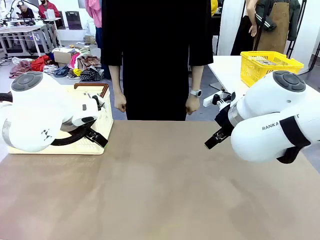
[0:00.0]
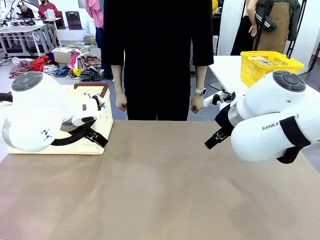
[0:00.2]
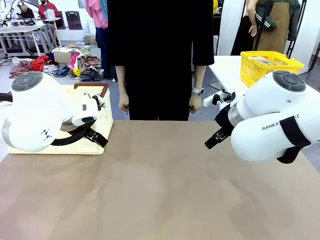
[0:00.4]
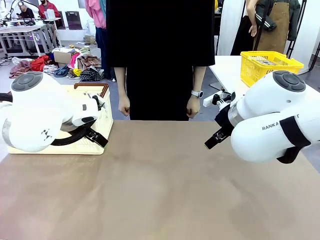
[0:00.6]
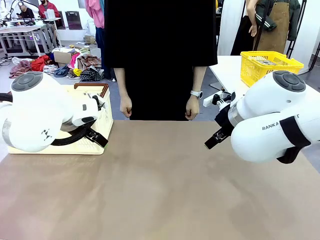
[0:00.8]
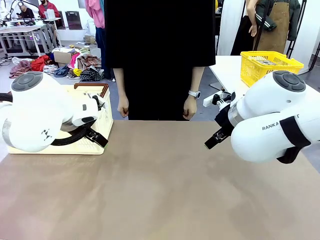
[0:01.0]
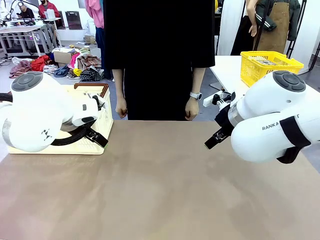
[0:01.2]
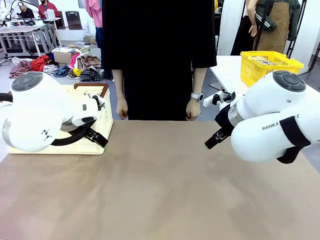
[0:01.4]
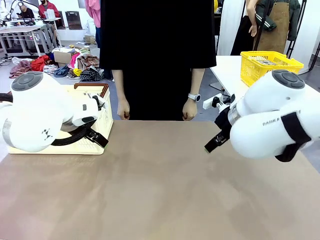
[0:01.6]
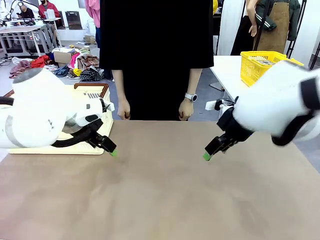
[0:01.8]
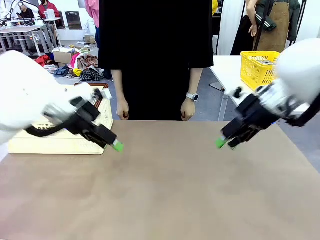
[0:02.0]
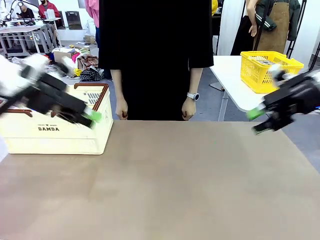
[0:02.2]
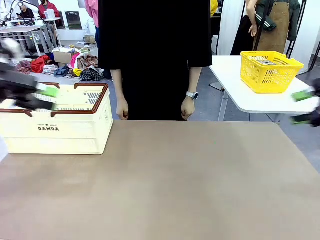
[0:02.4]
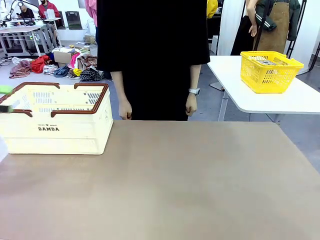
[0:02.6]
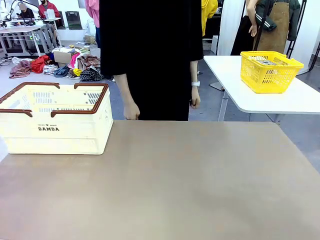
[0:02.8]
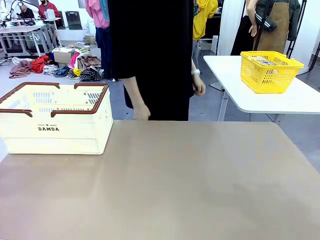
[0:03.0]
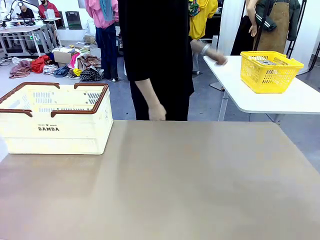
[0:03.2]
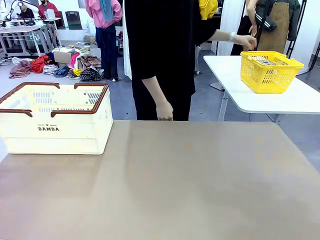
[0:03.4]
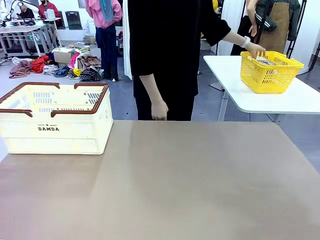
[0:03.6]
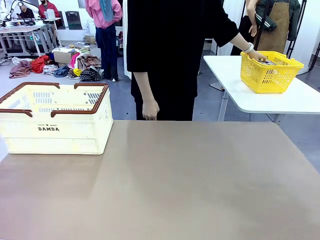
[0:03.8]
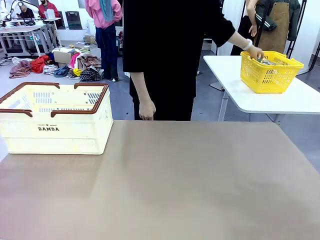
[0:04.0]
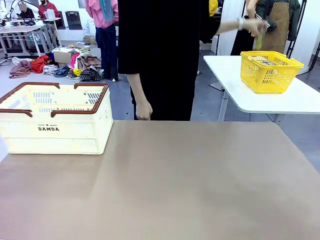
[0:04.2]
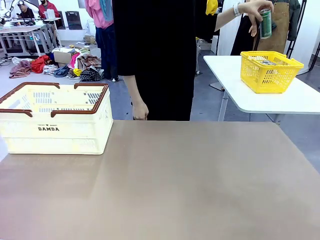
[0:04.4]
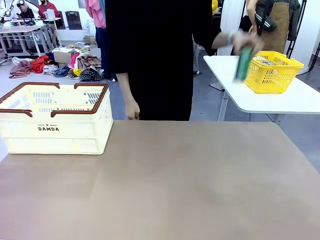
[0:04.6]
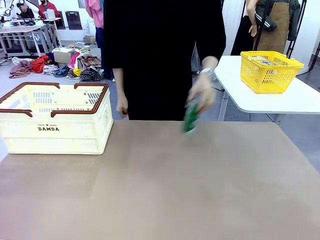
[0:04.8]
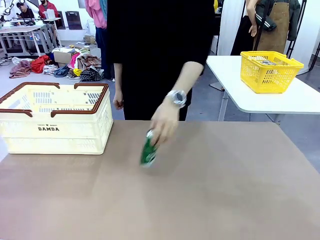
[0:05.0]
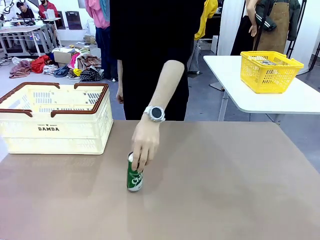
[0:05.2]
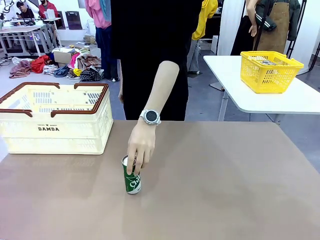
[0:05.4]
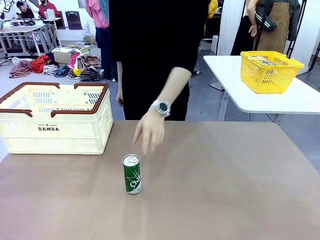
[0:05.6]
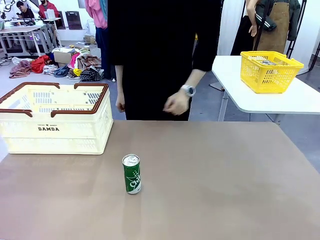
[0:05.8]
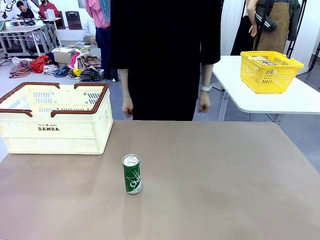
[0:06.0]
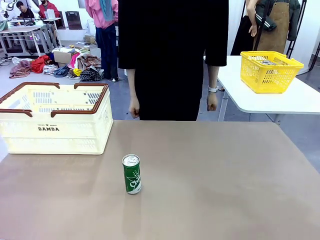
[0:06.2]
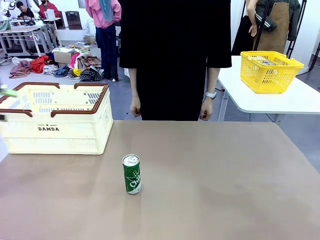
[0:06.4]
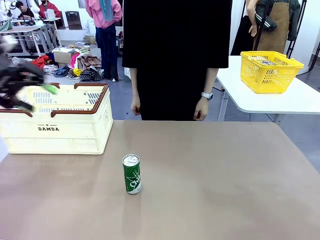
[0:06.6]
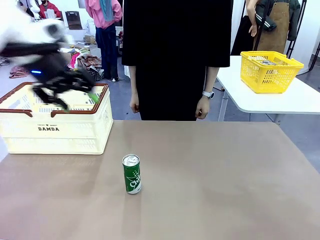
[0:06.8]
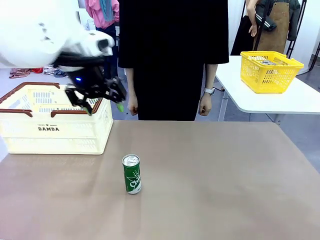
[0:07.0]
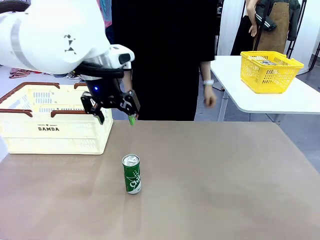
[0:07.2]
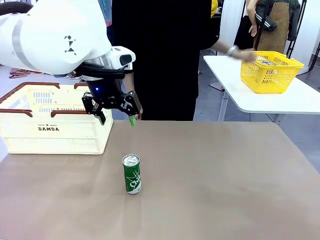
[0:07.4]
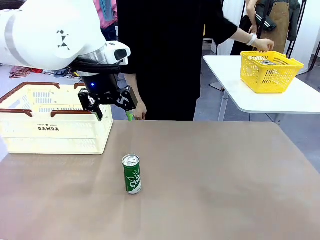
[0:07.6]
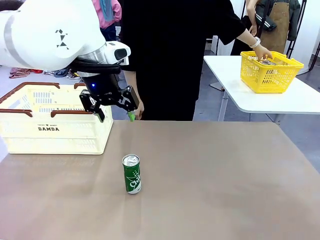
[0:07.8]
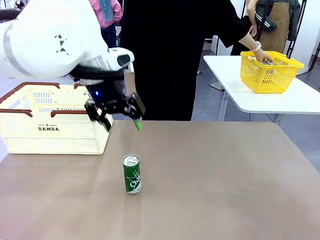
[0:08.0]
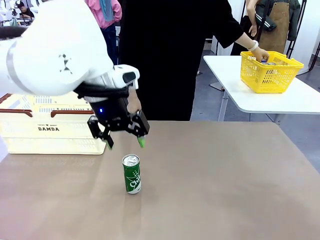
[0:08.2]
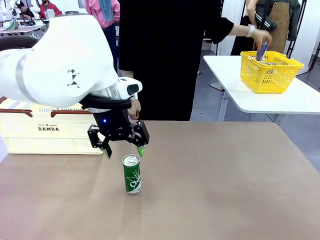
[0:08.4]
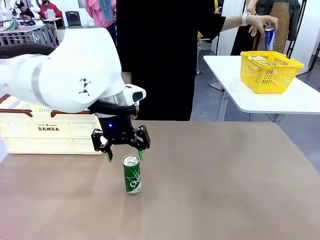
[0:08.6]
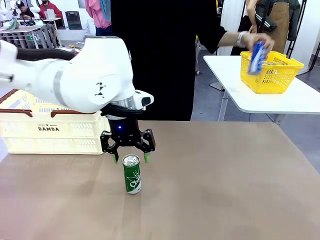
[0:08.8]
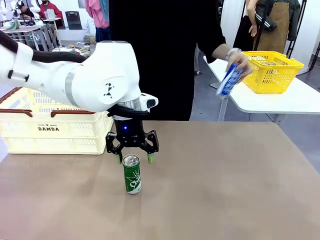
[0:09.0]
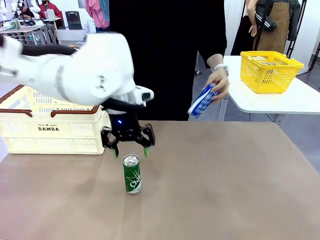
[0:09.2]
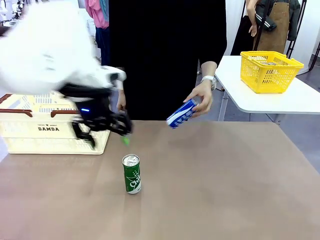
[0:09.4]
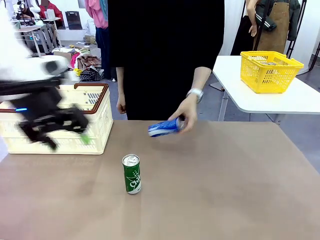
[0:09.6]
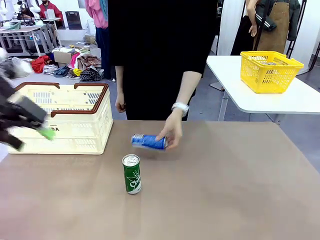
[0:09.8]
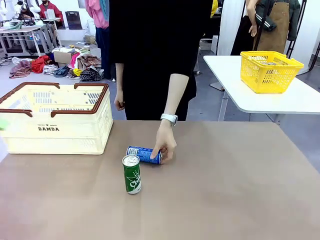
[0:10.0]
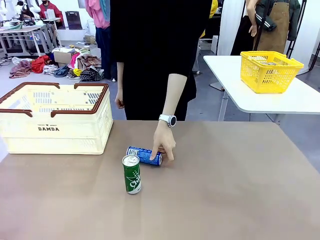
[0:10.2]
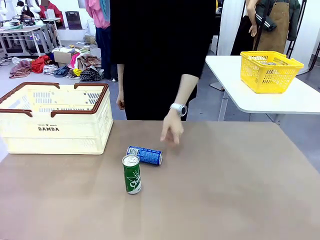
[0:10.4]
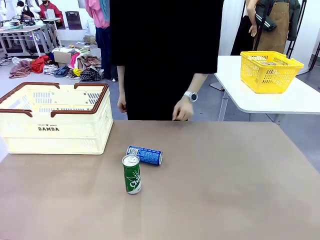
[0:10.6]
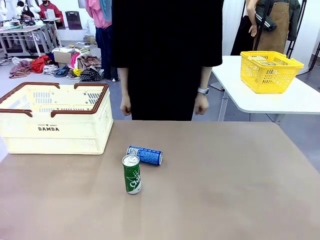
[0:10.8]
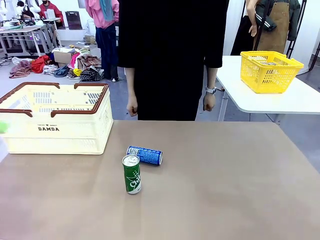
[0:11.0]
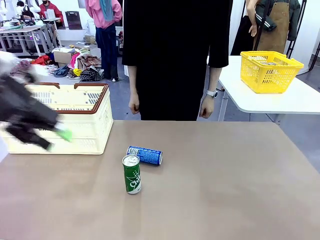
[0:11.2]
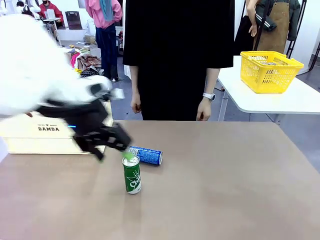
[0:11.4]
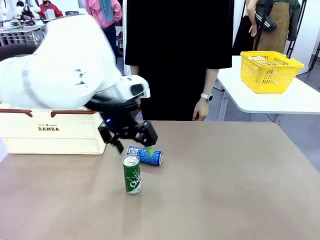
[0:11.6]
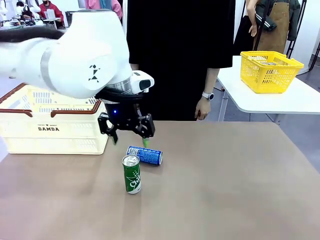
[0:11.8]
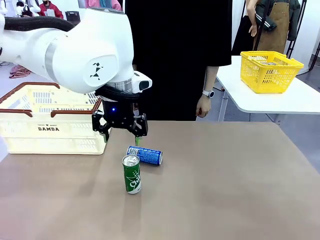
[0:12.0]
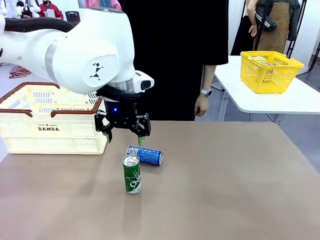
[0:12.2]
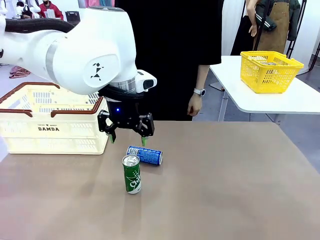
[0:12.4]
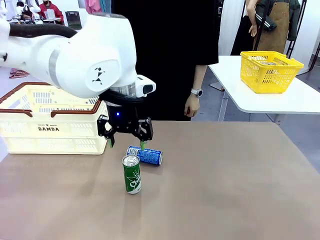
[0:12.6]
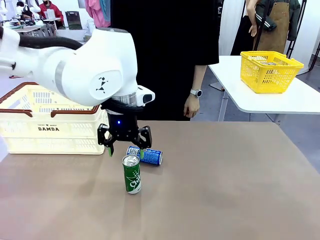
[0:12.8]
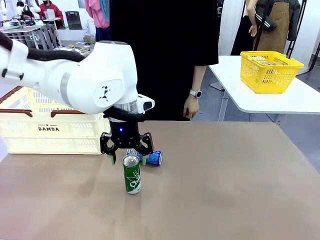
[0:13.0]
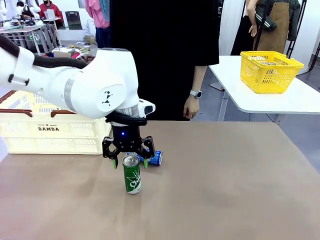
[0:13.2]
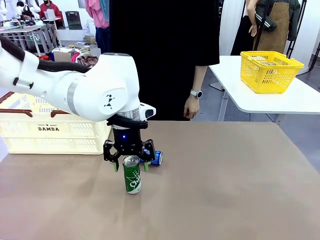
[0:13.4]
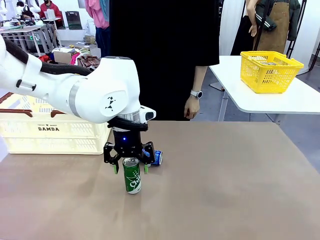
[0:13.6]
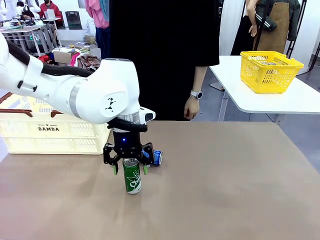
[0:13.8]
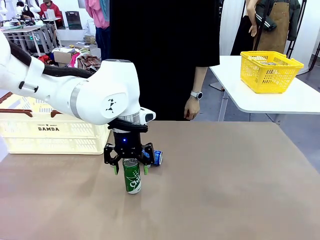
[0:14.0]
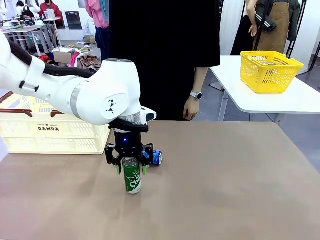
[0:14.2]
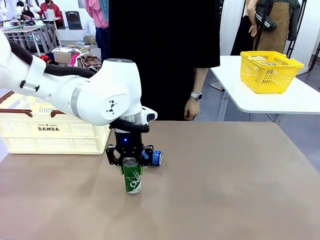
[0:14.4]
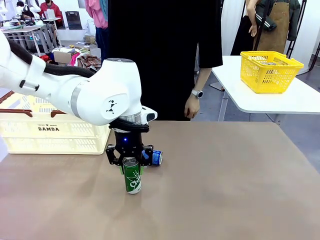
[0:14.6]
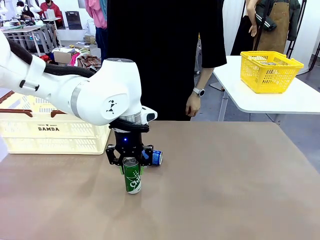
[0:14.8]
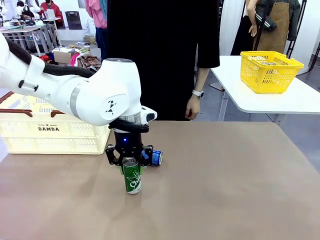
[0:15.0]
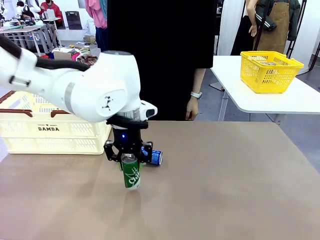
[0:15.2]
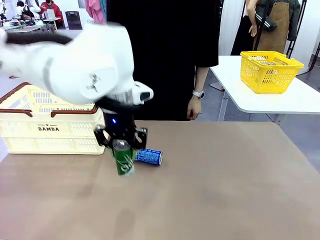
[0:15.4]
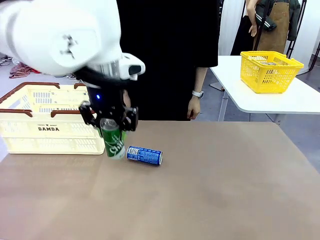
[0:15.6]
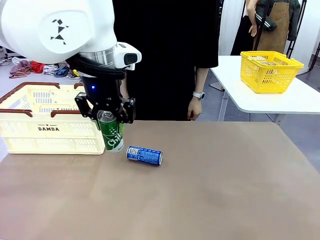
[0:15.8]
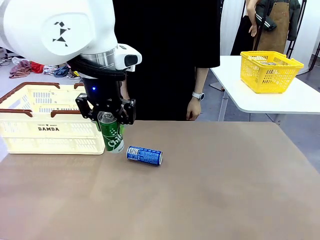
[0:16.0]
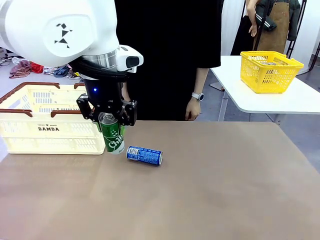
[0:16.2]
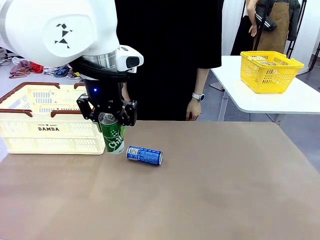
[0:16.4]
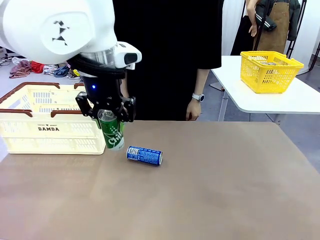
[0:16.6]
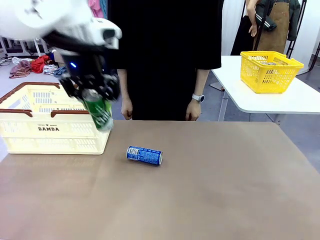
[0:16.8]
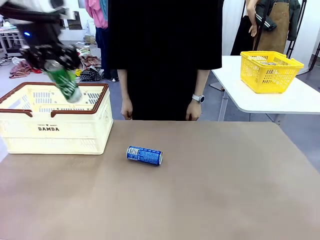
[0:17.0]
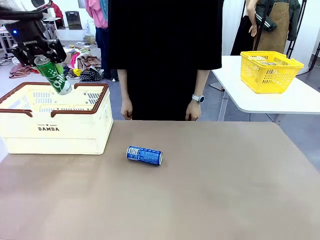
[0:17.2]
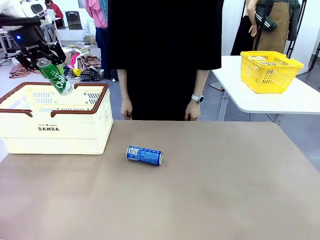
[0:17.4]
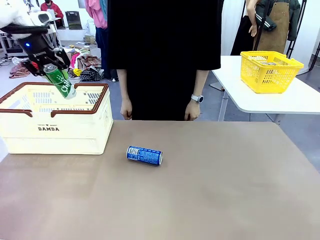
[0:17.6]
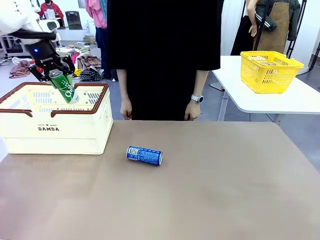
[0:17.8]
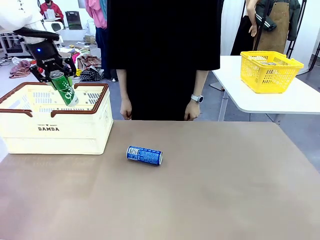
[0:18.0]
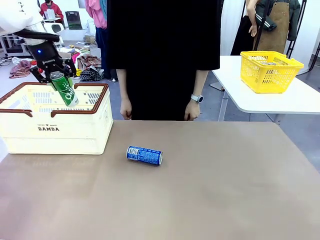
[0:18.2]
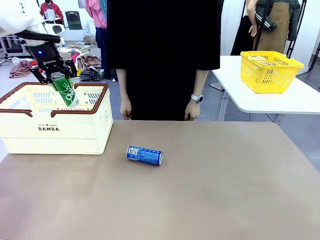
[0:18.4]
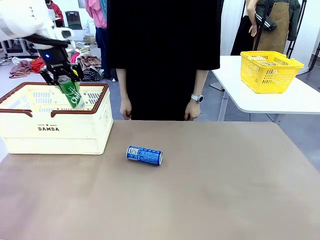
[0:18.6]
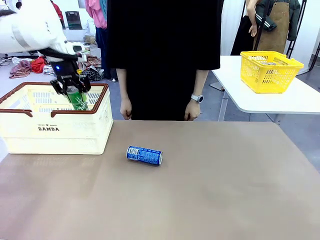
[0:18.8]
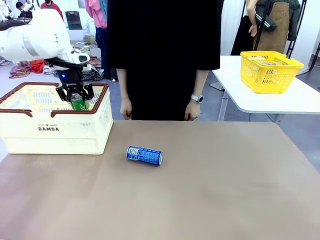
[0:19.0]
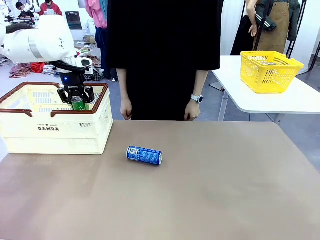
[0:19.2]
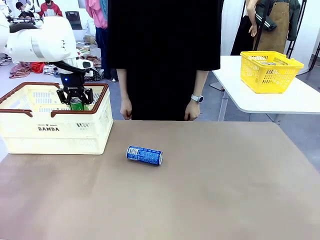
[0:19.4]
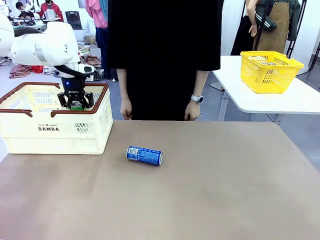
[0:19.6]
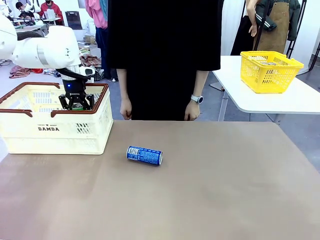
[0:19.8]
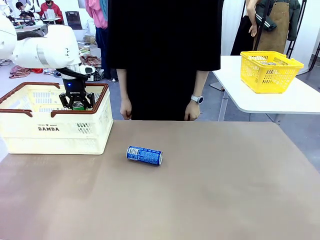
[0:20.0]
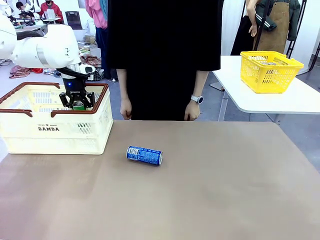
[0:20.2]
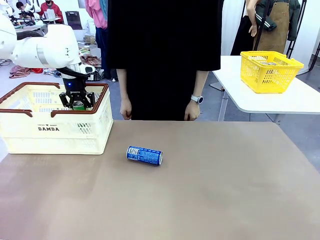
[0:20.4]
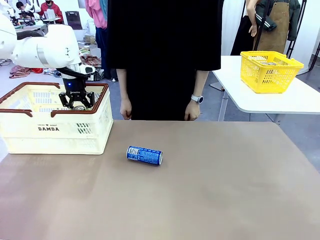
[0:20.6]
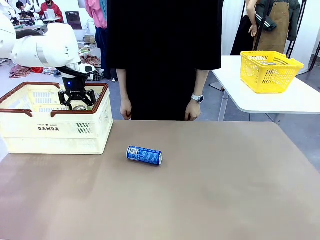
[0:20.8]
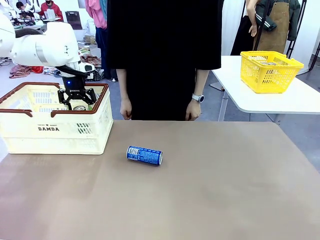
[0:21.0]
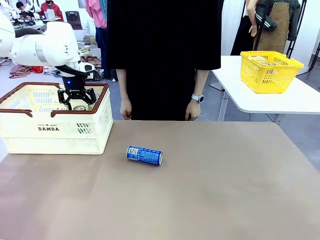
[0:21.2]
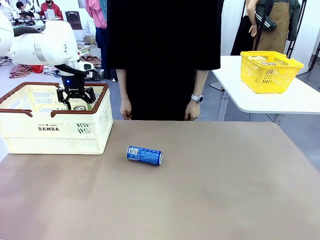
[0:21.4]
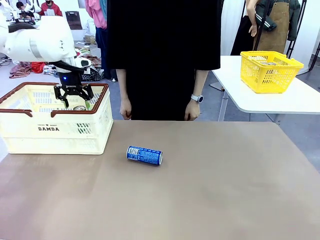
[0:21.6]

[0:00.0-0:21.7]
Task: Place the drinks into the Shopping basket.
Robot: Pick up one drink and place it into the Shopping basket.
